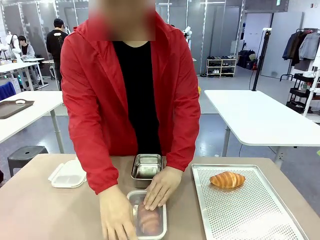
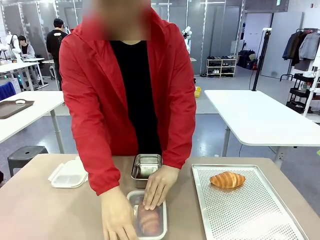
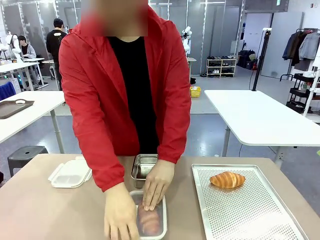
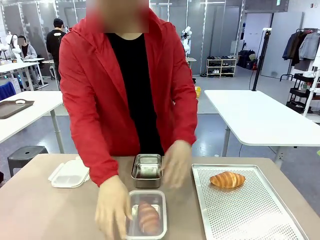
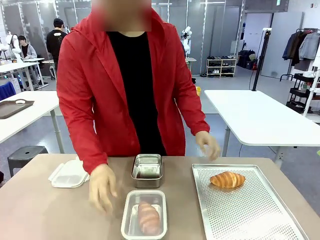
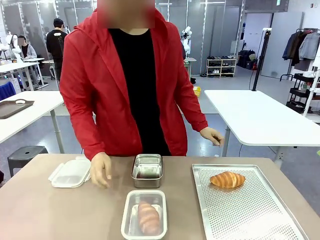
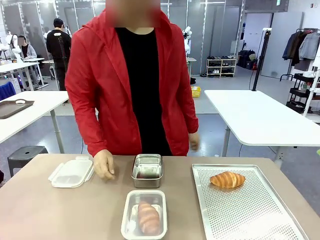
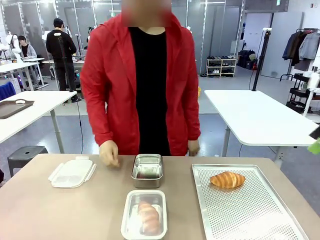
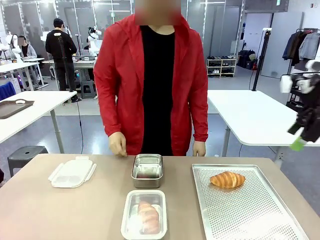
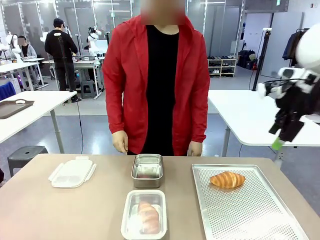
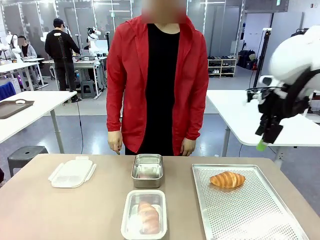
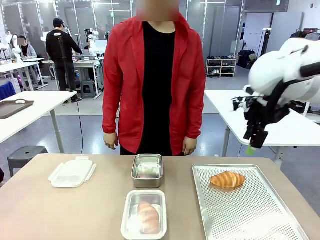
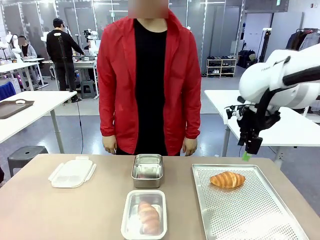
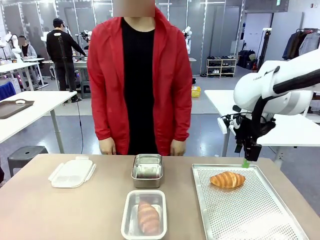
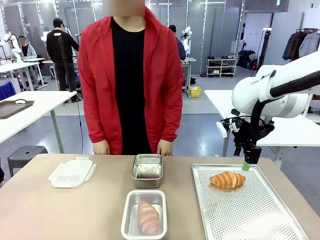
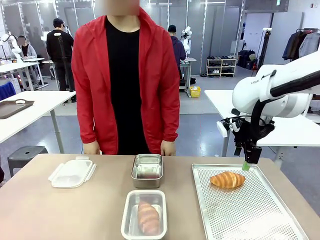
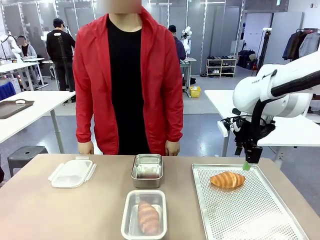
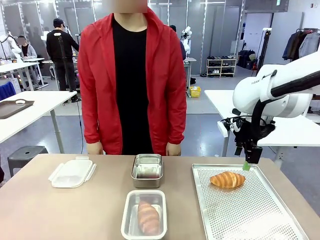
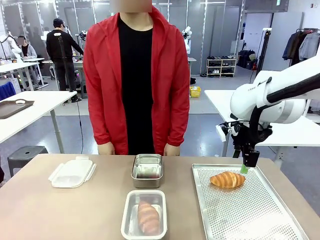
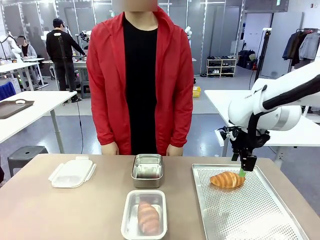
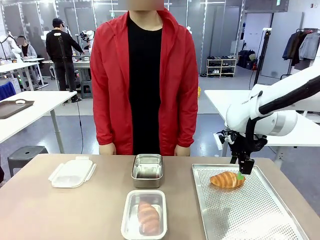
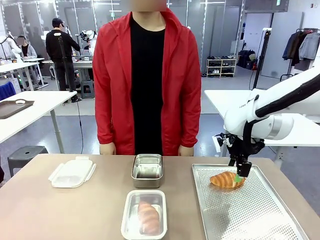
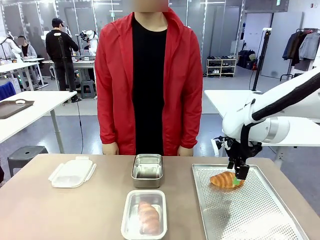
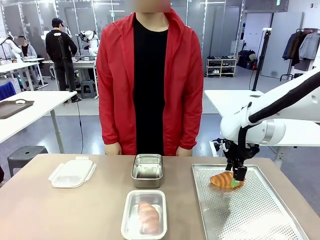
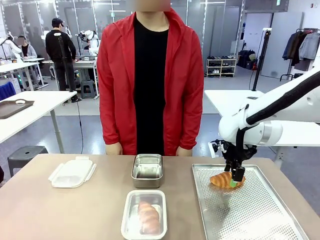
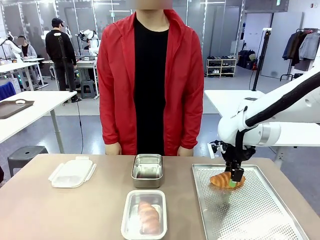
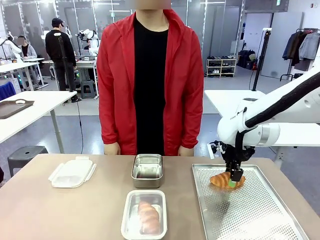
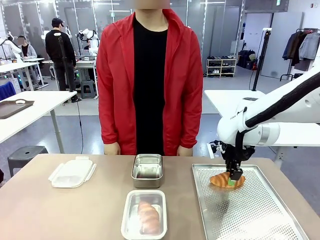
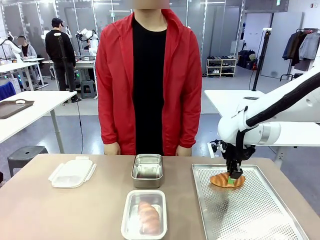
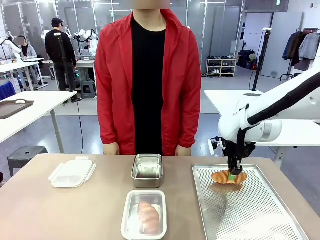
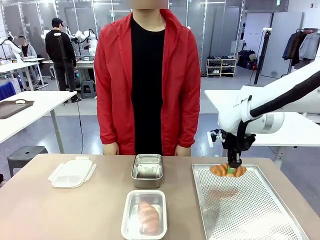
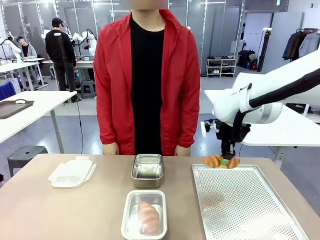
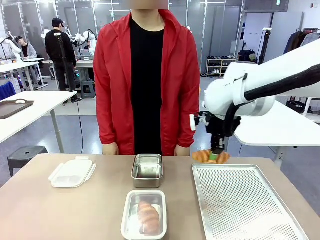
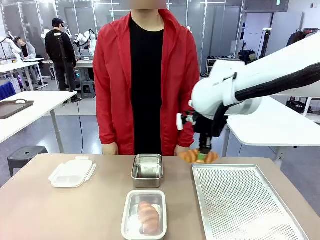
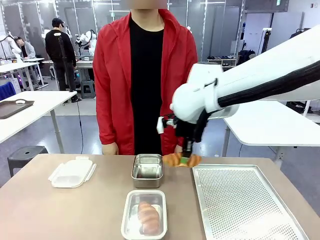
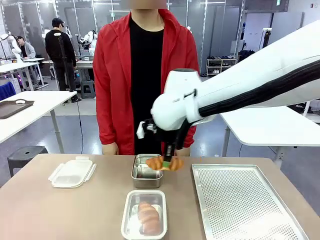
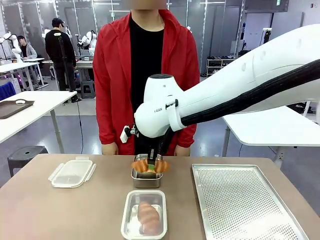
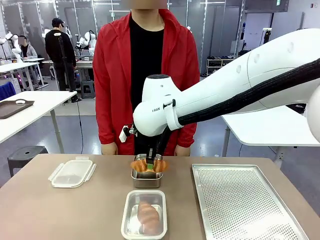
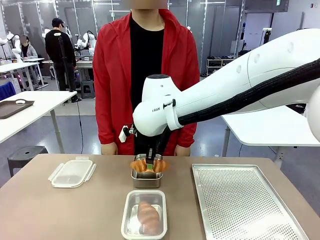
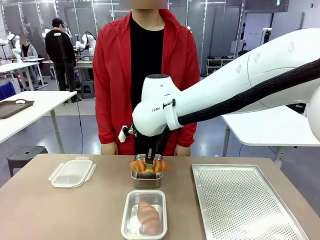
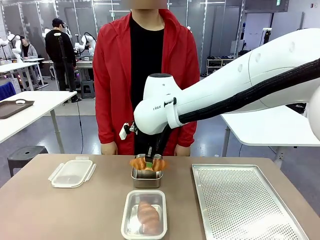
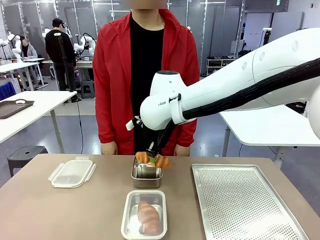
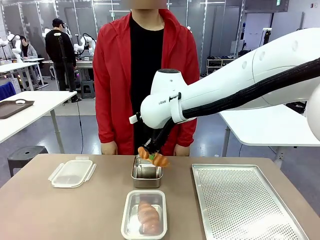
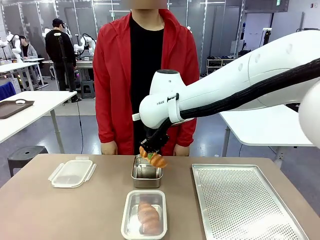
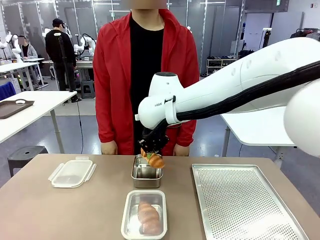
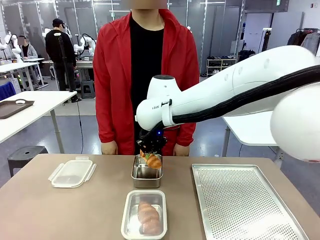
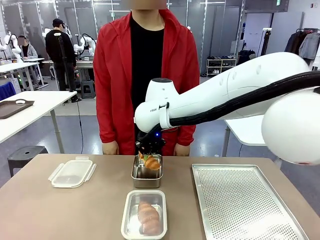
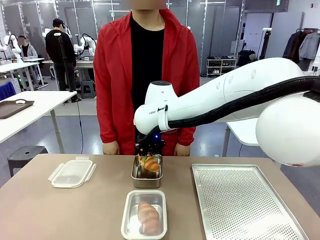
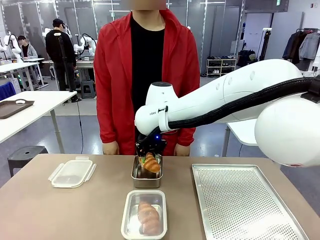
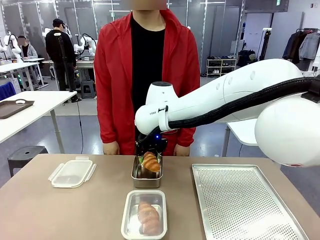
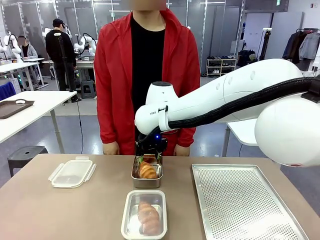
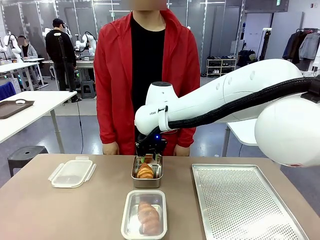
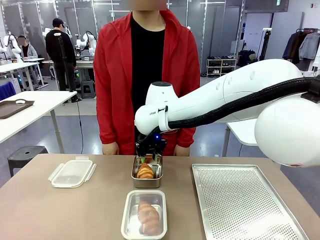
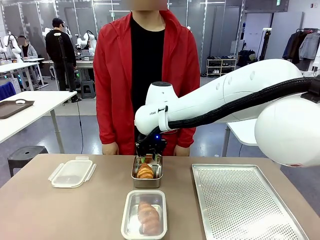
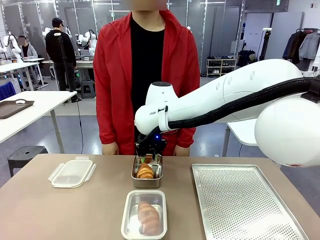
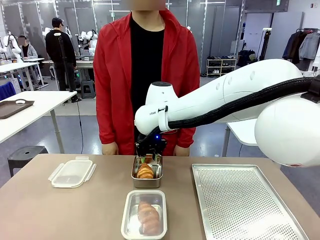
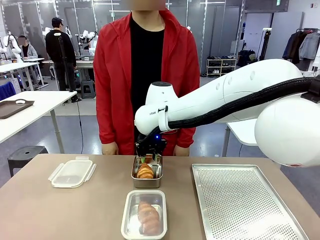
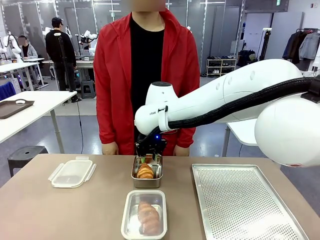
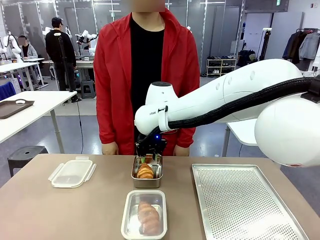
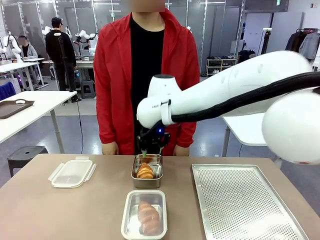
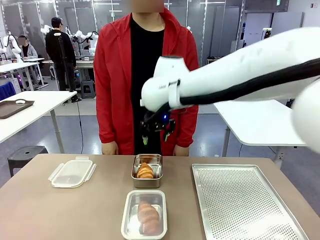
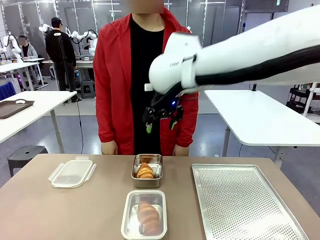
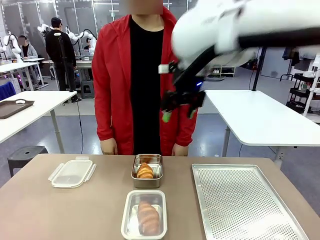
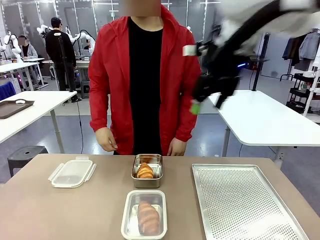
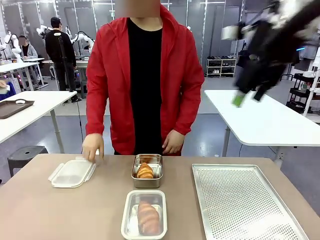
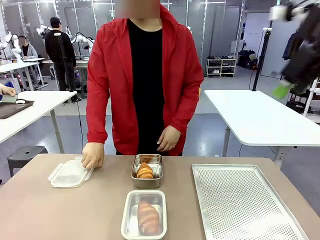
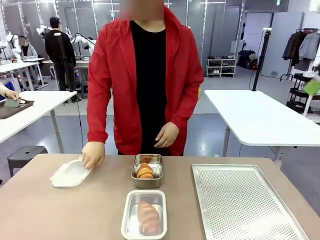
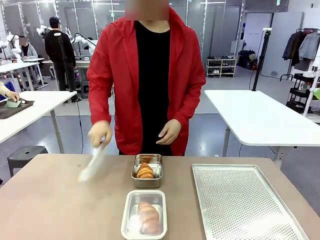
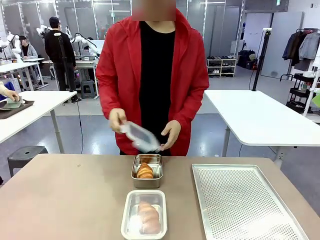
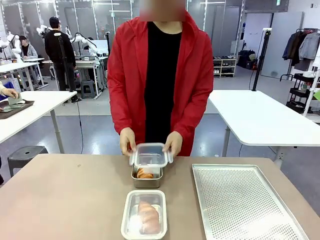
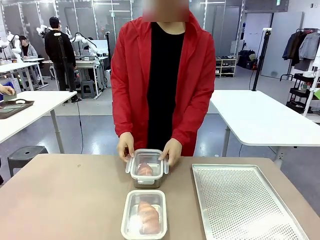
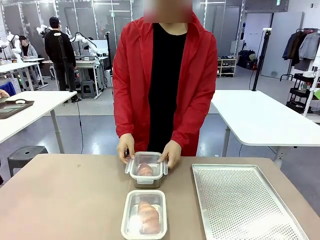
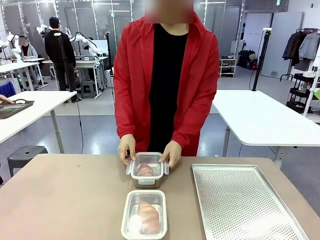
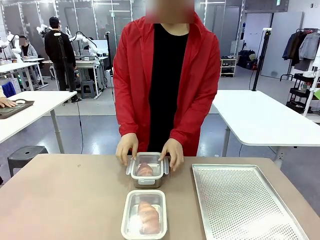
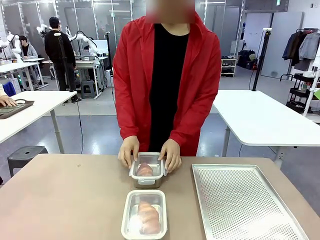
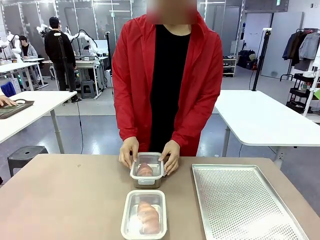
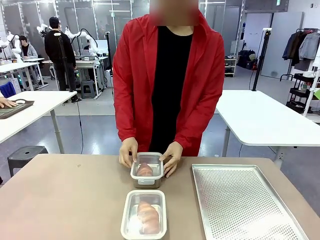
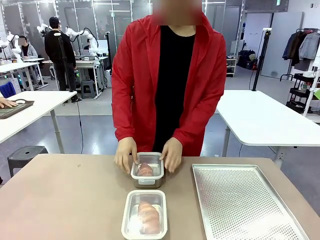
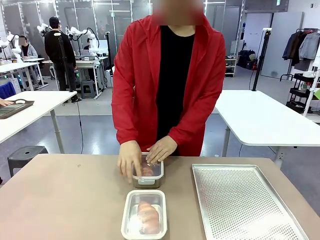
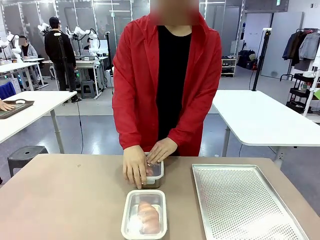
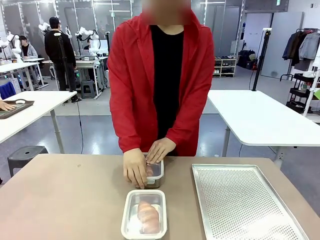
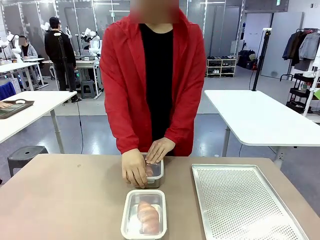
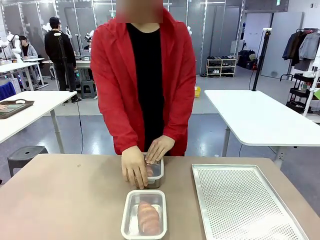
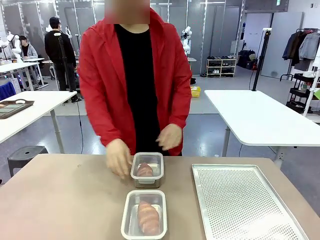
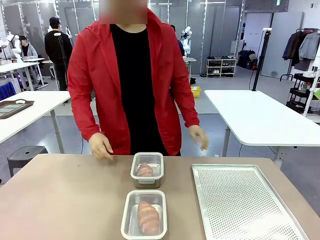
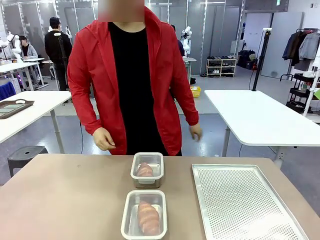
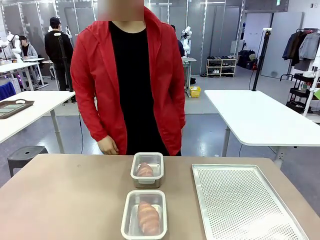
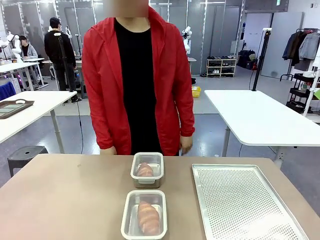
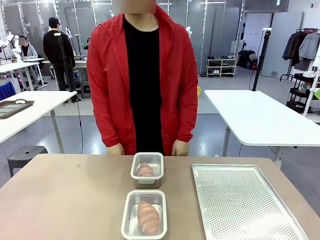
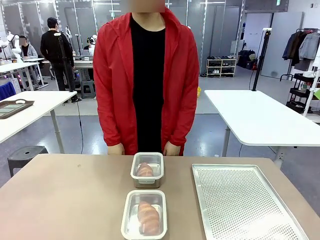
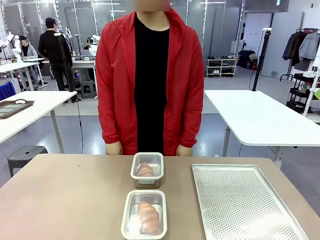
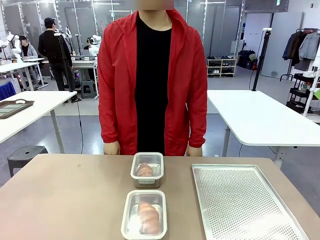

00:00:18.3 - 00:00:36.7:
Task: Place the bread into the airtight container.
Robot: Pick up a Butter Roll and place it into an empty Airtight Container.
Person: Once a Butter Roll is inside an Airtight Container , close the lid of that Airtight Container.

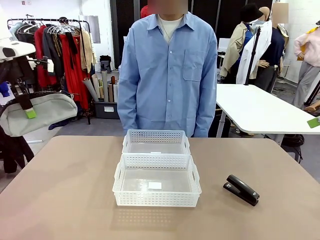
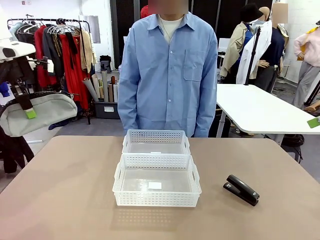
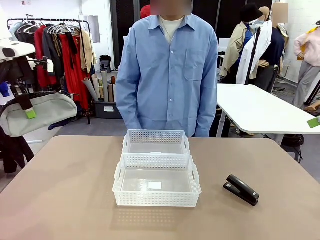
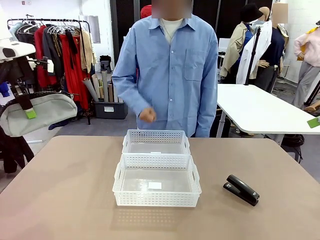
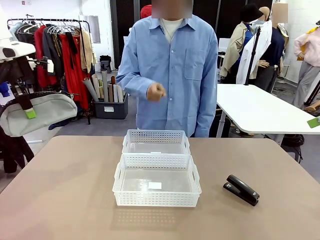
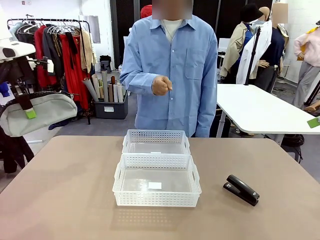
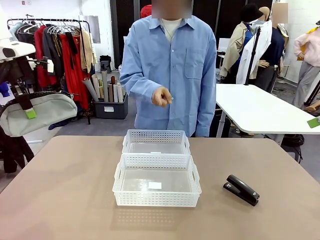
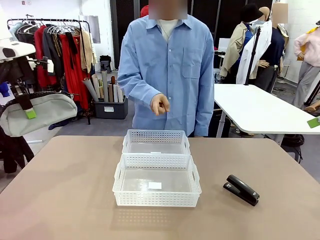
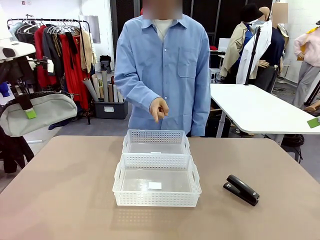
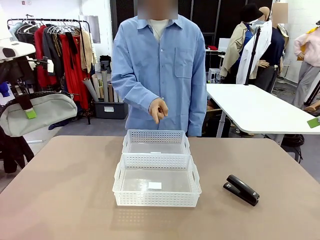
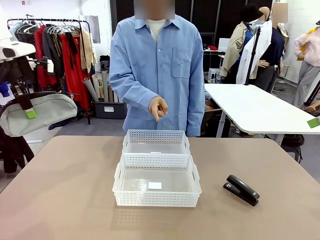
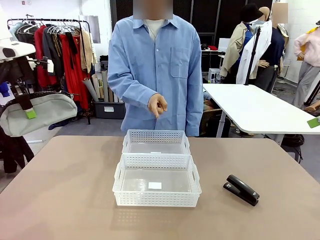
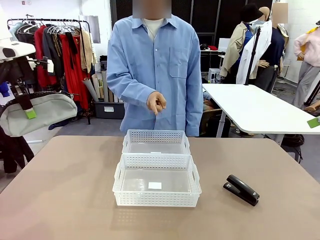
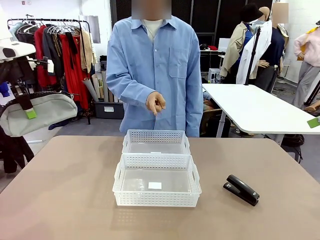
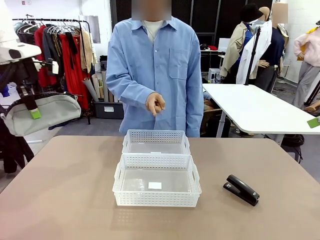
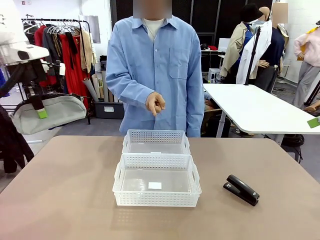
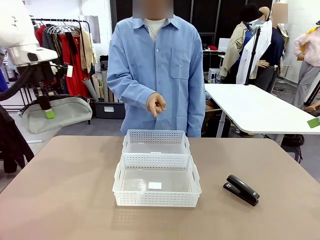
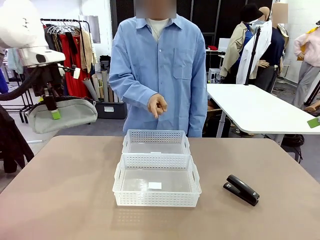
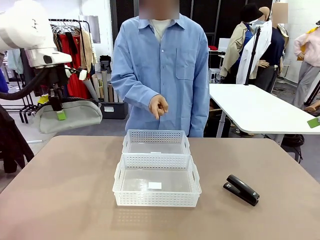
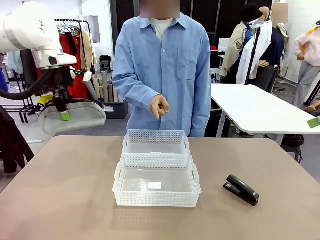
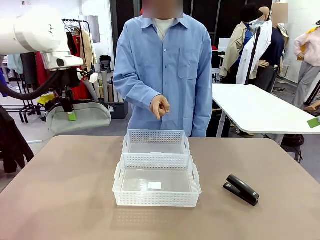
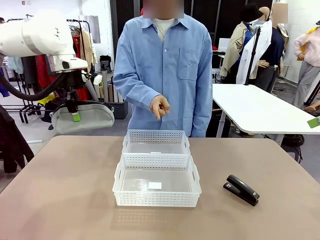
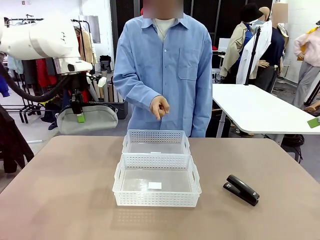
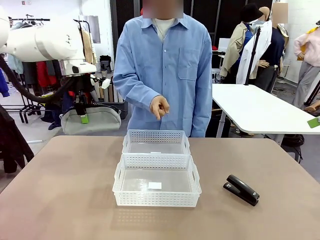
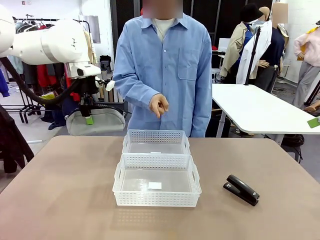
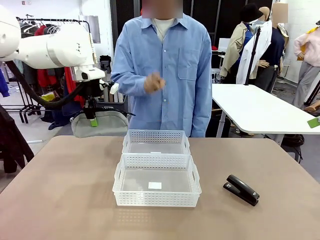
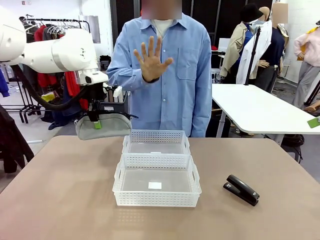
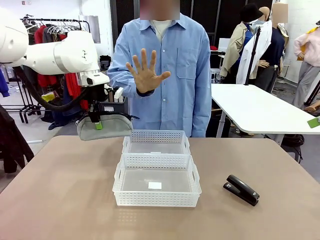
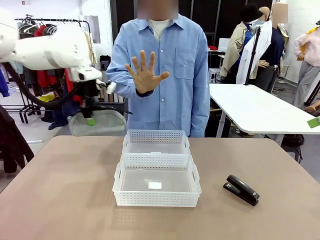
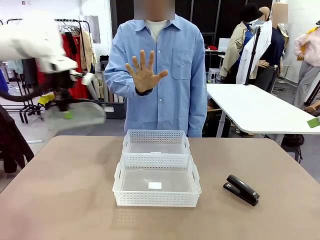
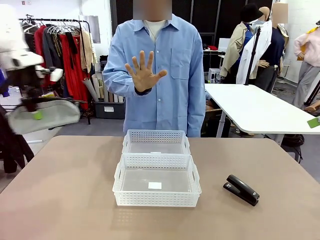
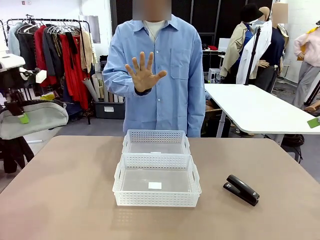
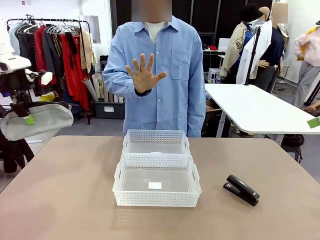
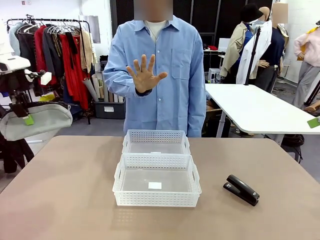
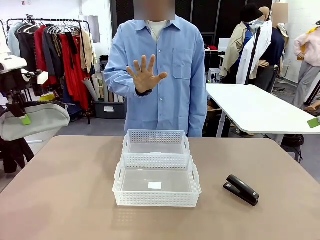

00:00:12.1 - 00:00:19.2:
Task: Distribute items into two baskets.
Robot: Move the picked Pencil pouch towards the Organizing basket indicated by the person, stopping as directed.
Person: Sends a stop gesture before the robot places the pencil case into the basket.
